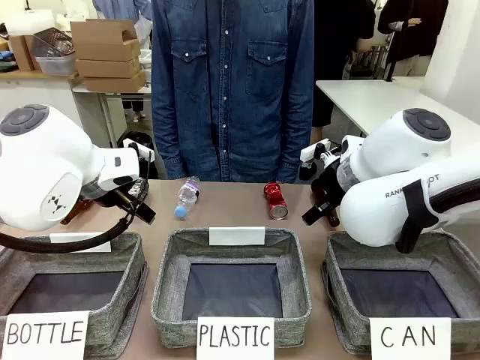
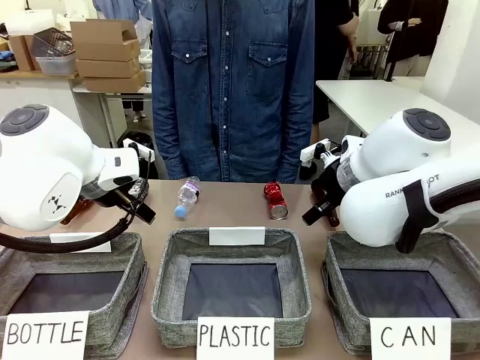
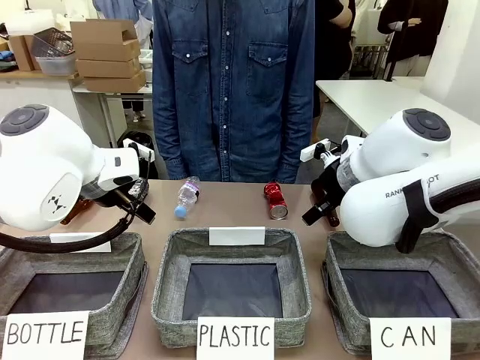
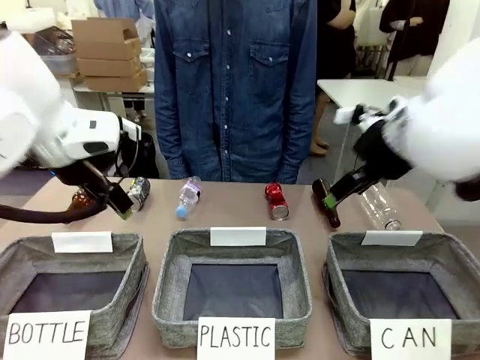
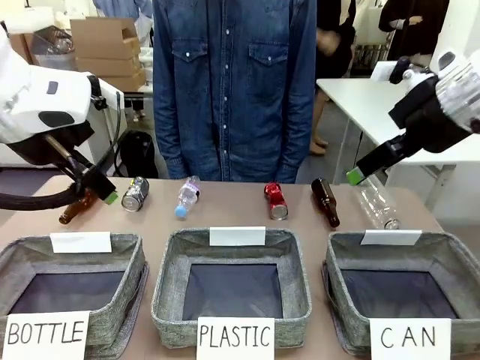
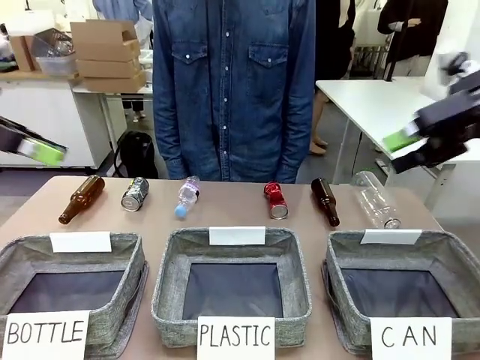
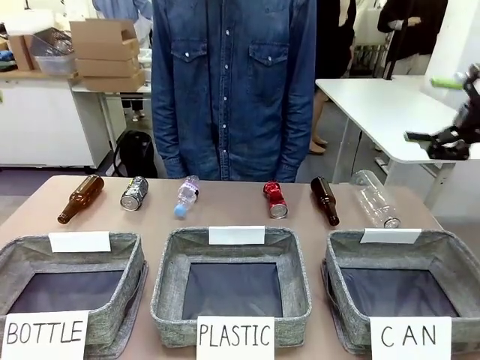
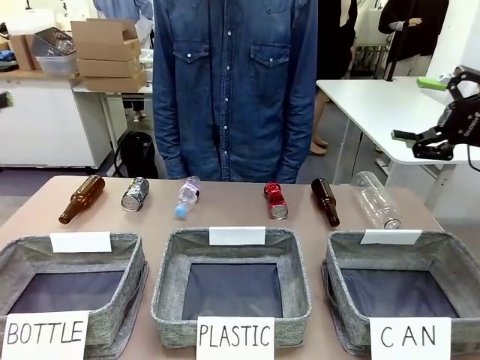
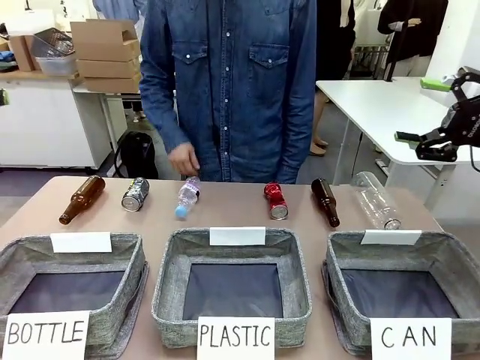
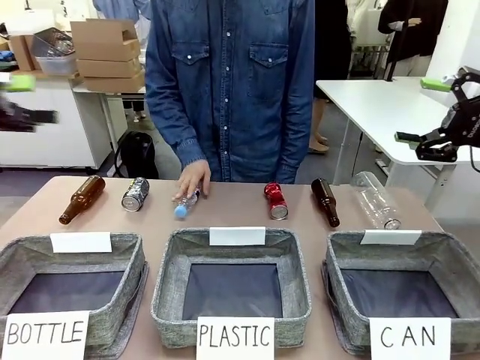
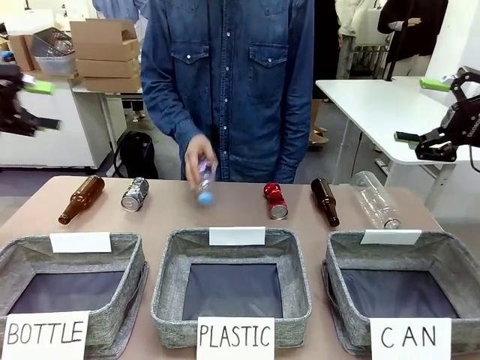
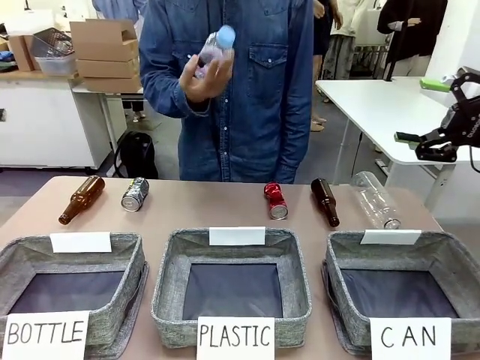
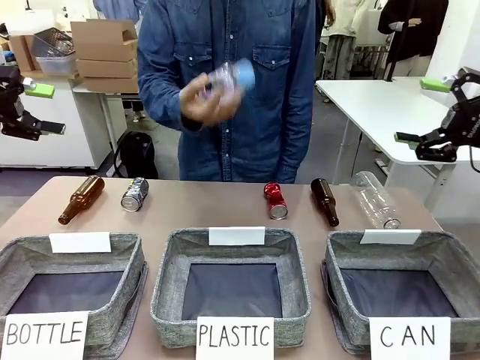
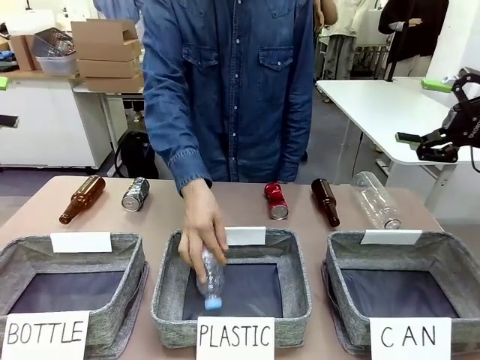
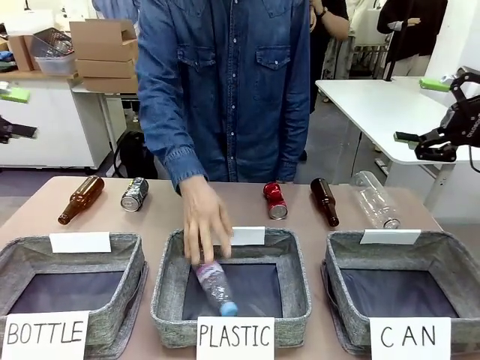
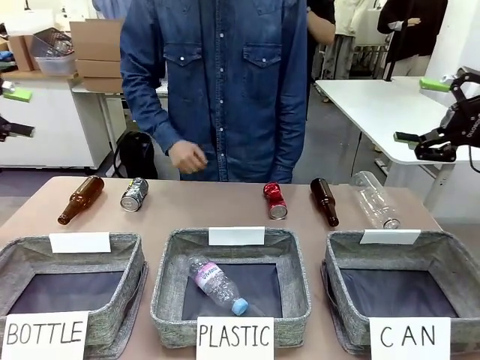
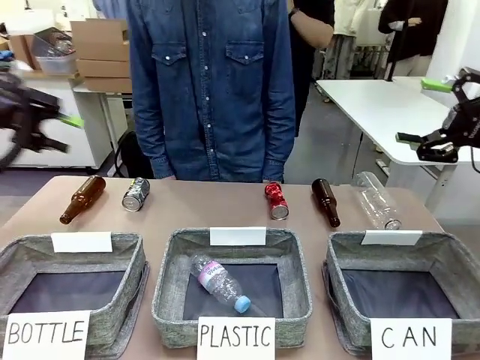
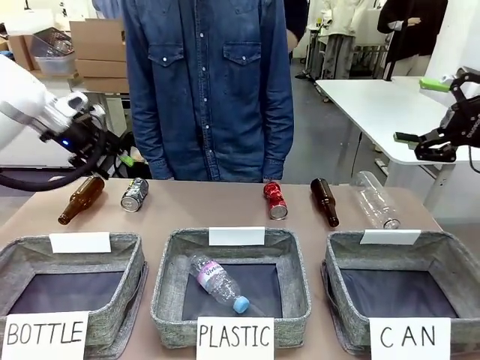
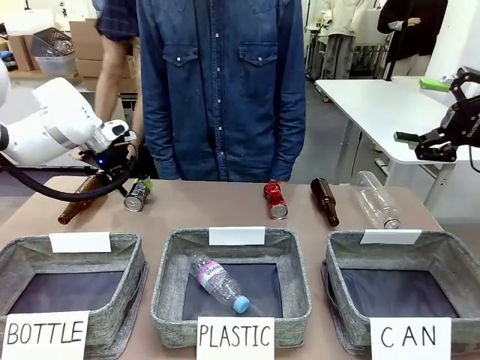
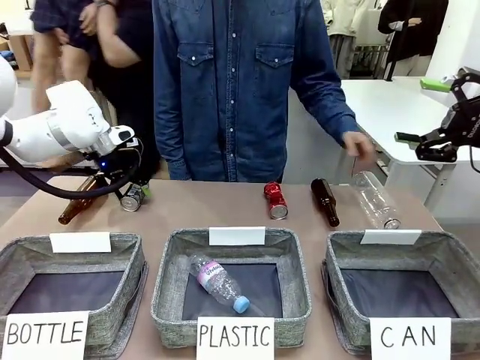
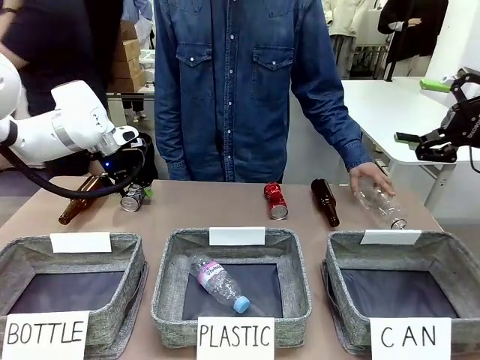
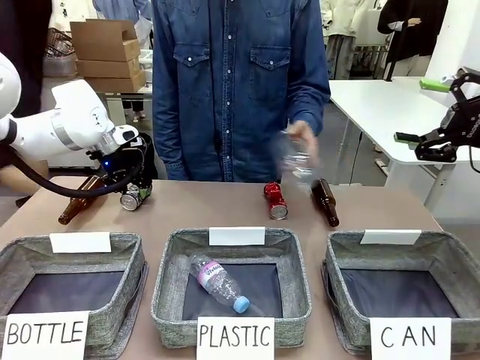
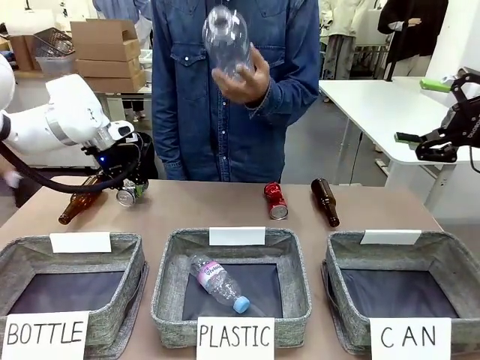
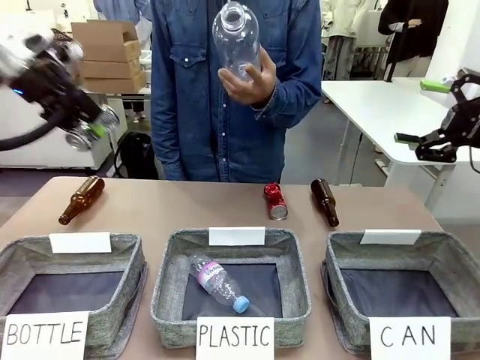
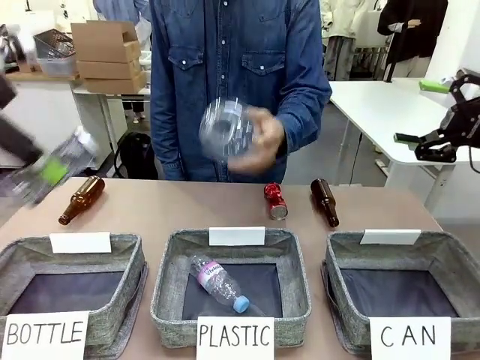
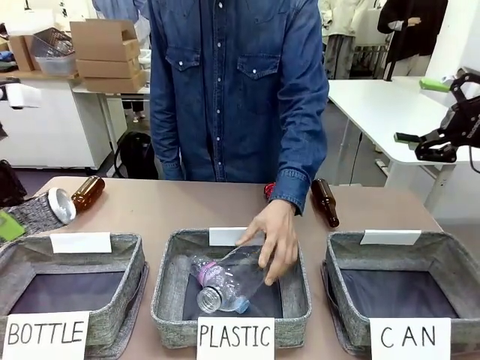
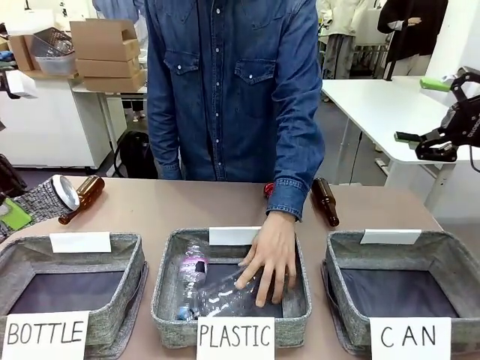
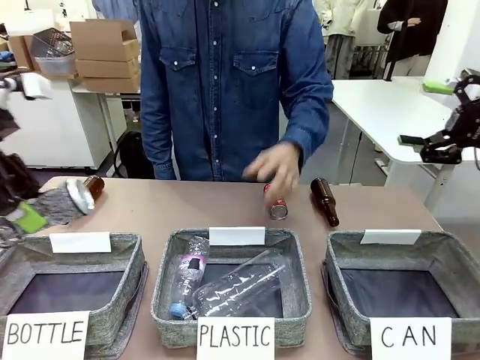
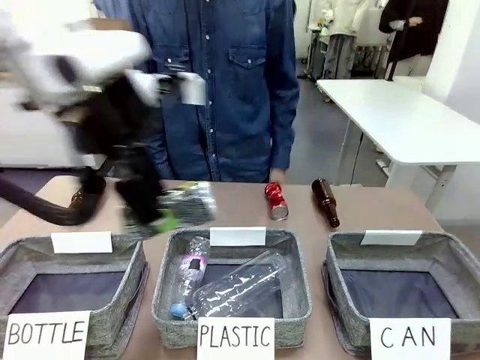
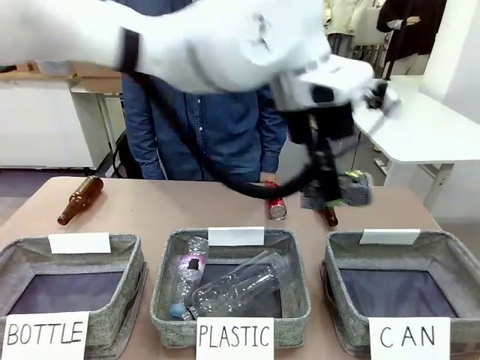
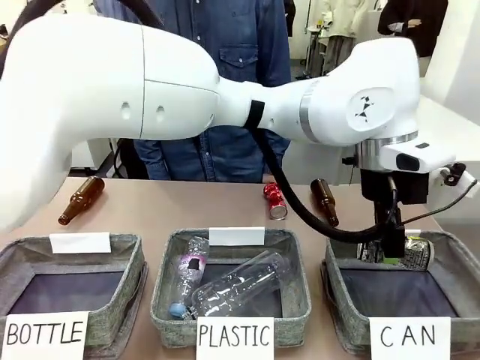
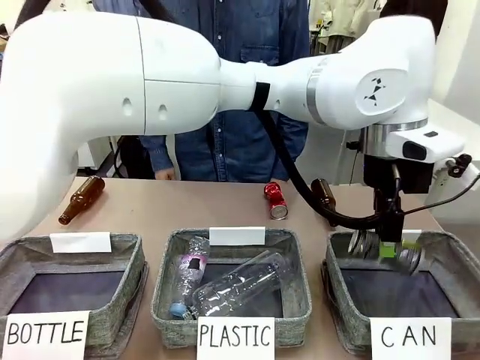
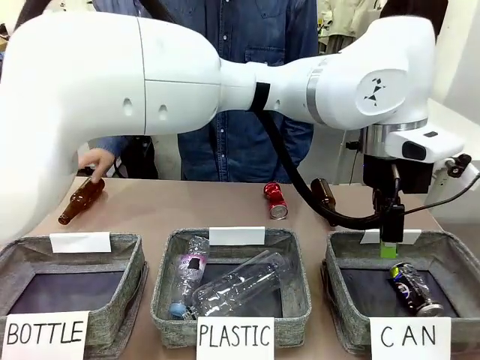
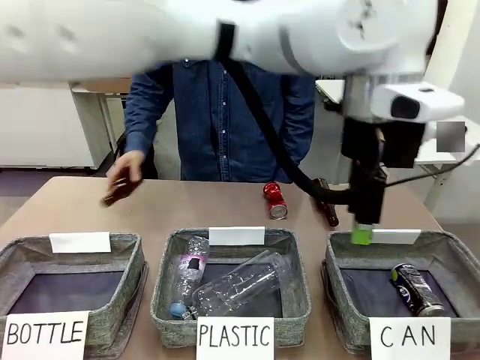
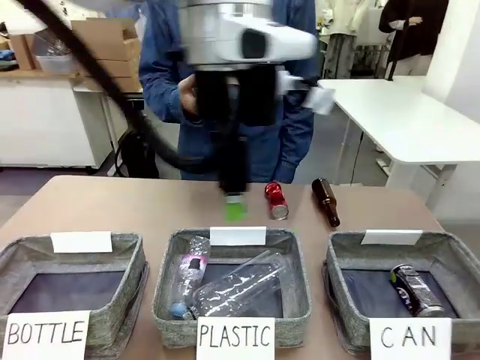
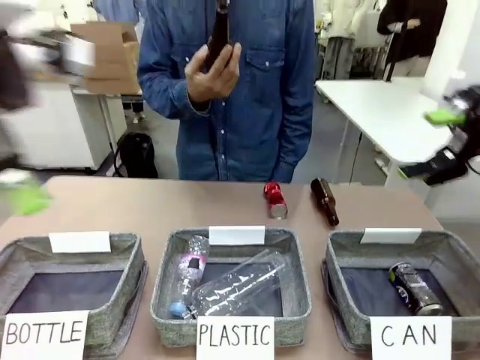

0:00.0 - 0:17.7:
Task: Sort the can waste into the basket.
Robot: Pick up the can waste from the table and place it in the right Fabric basket.

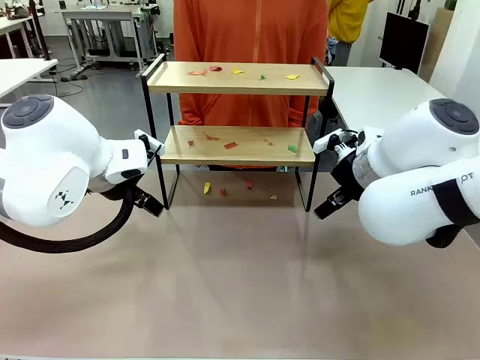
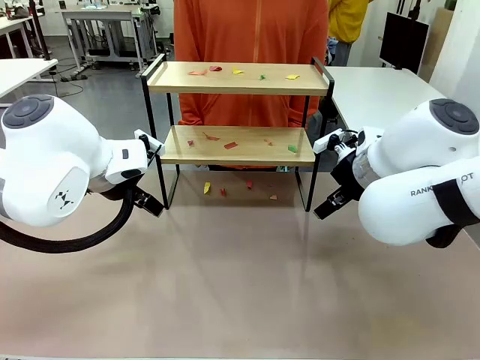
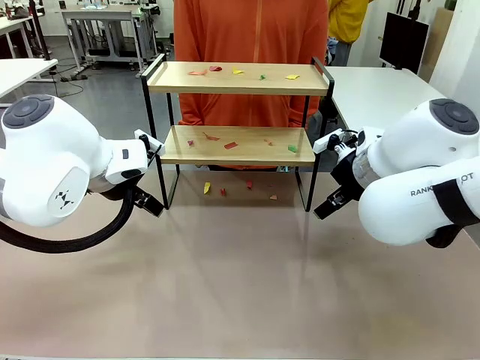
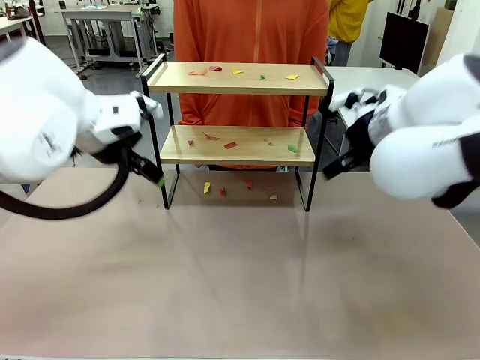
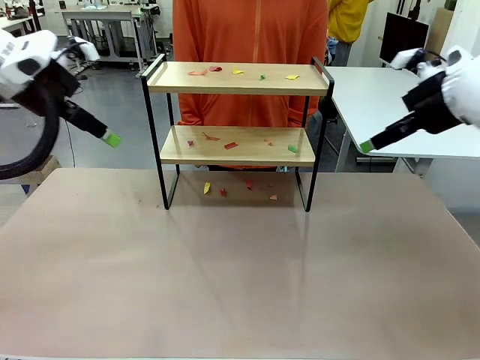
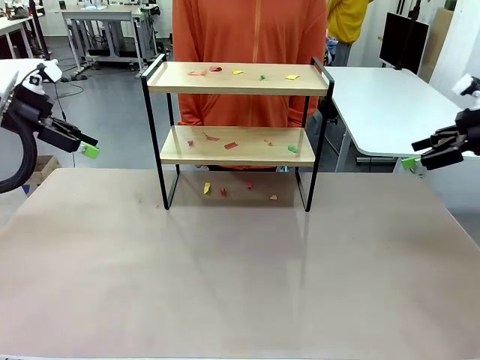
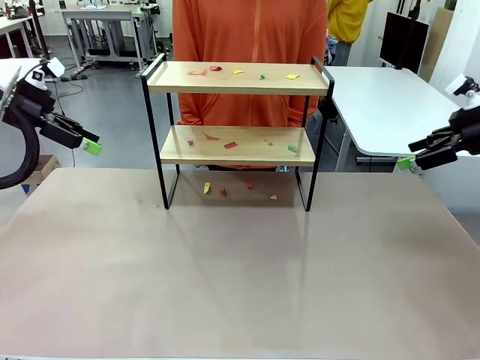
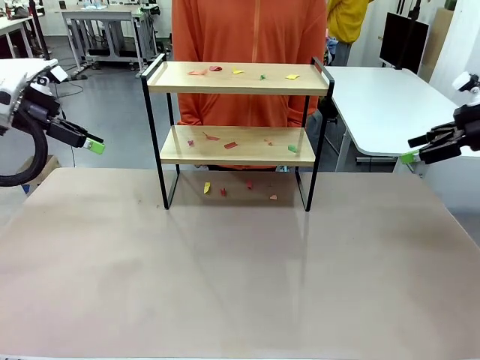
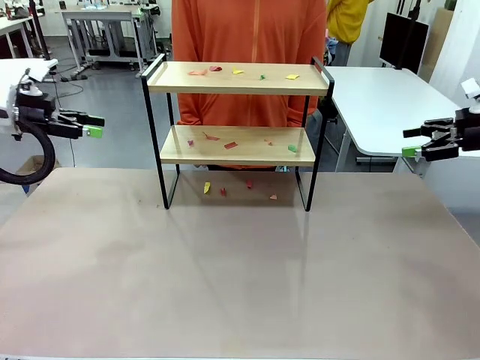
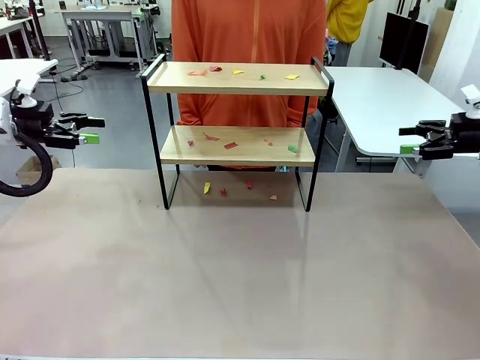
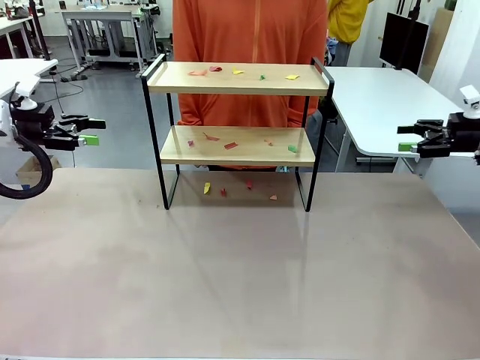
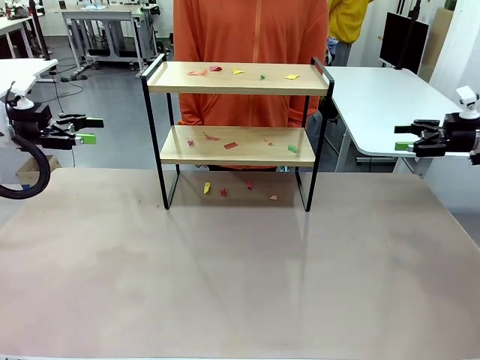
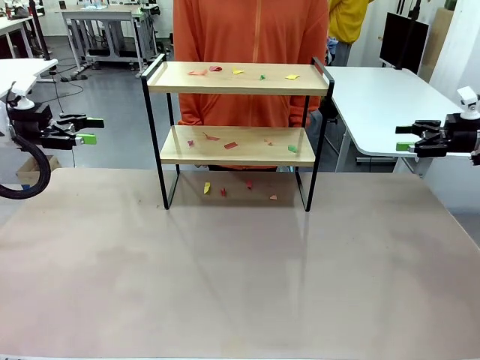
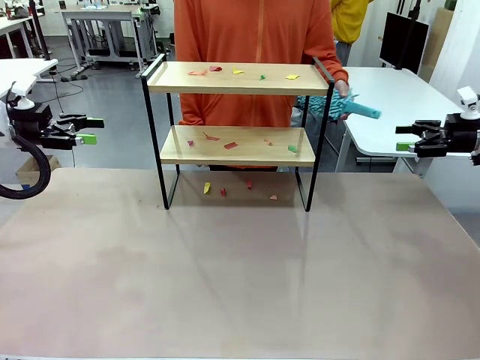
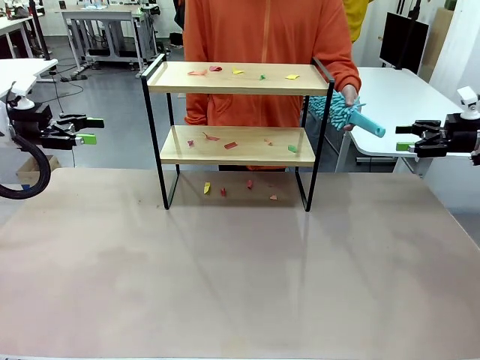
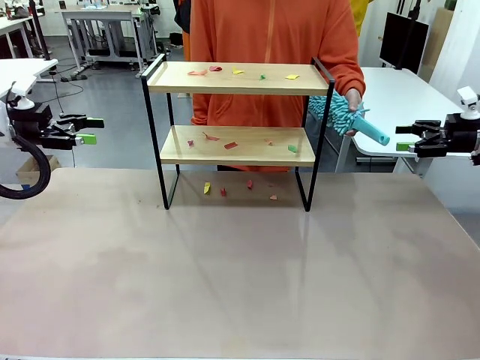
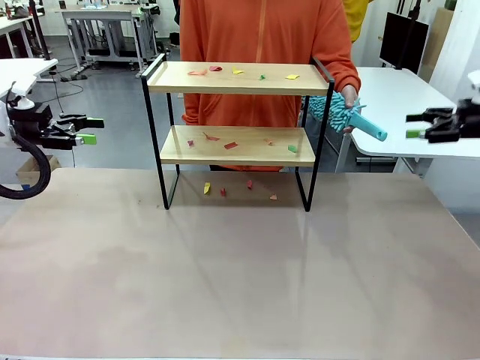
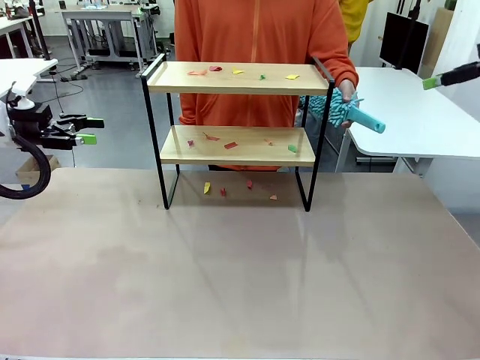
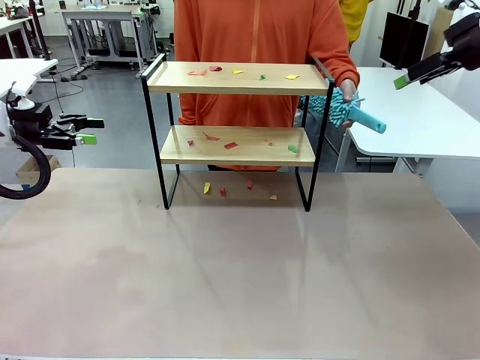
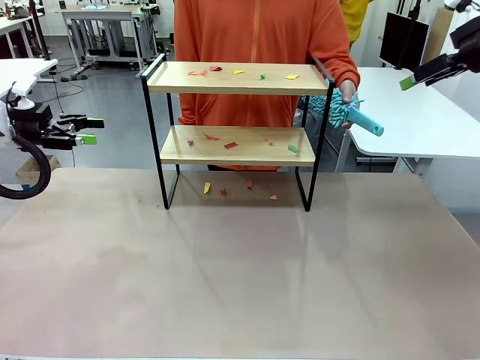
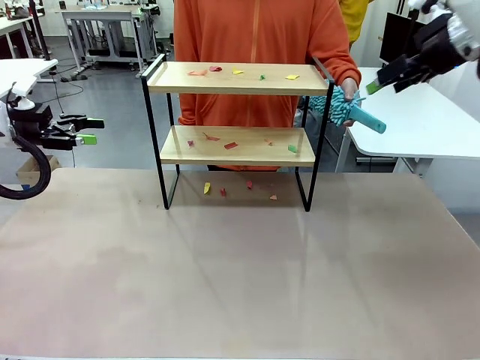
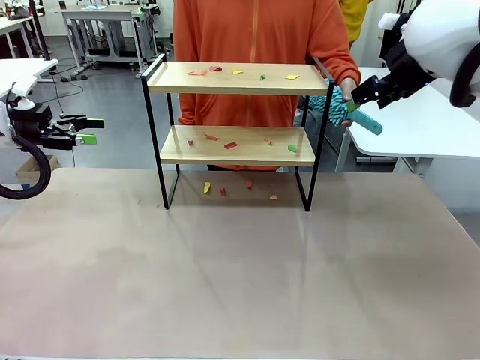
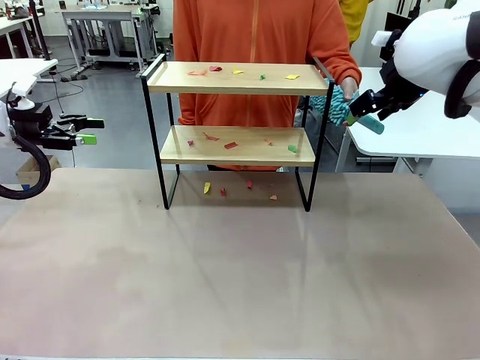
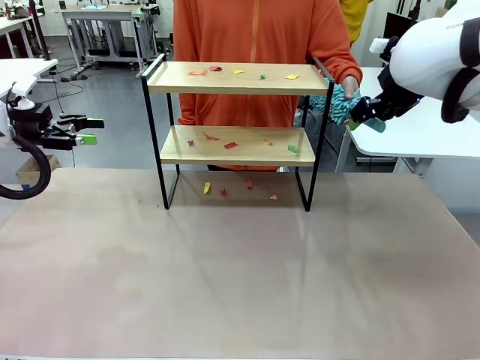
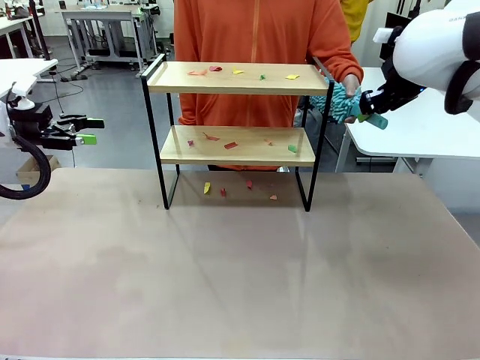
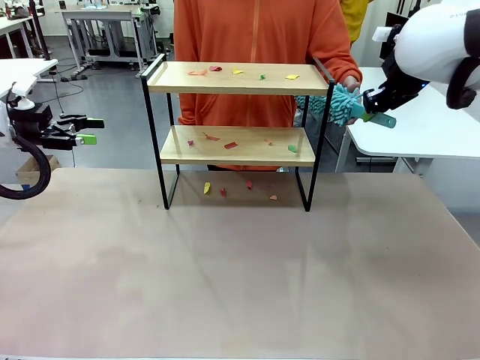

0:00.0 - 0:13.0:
Task: Clean the shelf.
Robot: Pick up the Duster handed by the human.
Person: Hand the Duster to the robot.
